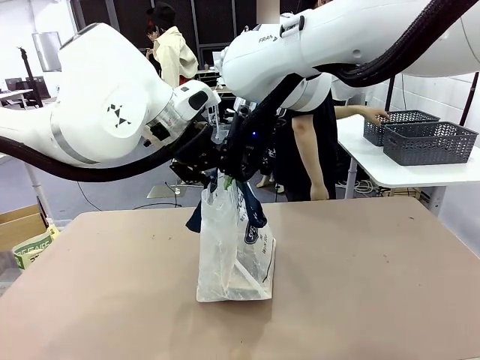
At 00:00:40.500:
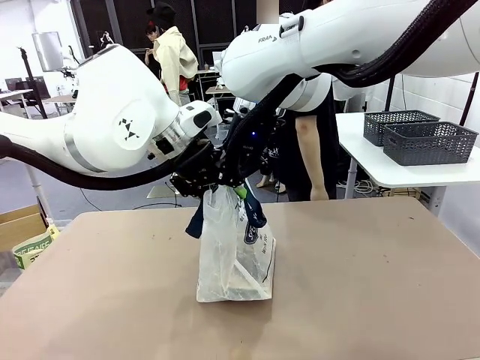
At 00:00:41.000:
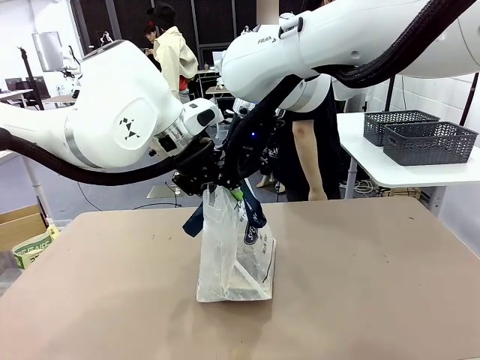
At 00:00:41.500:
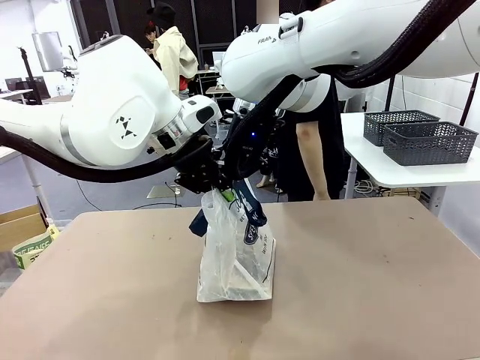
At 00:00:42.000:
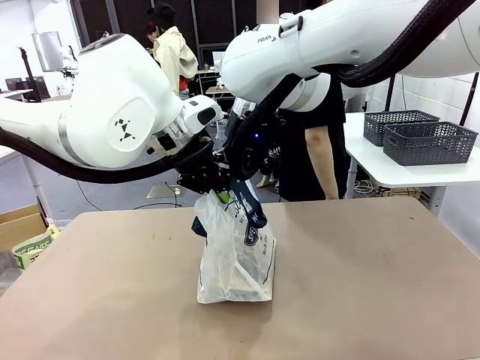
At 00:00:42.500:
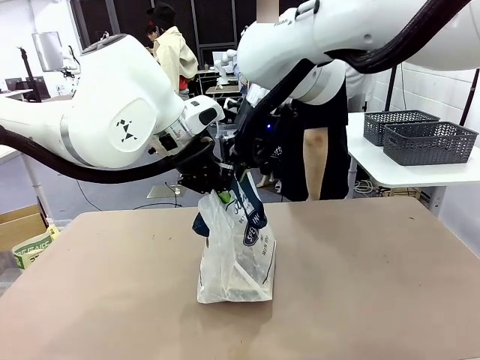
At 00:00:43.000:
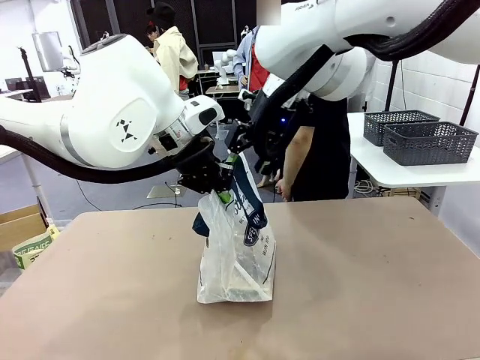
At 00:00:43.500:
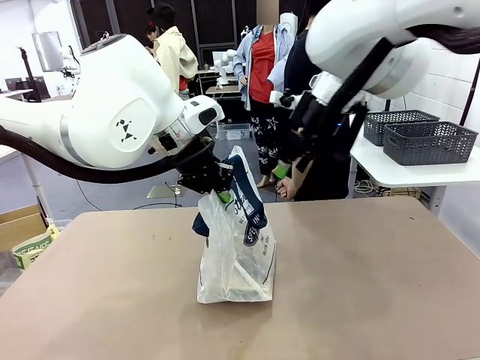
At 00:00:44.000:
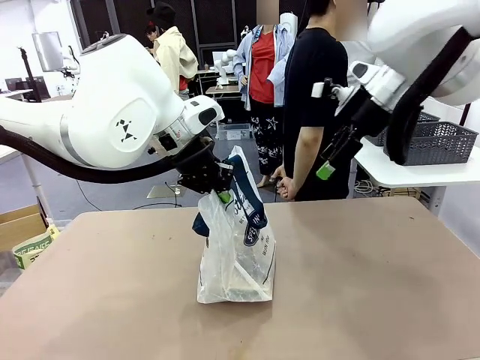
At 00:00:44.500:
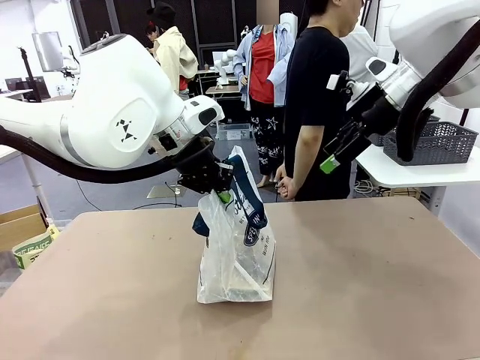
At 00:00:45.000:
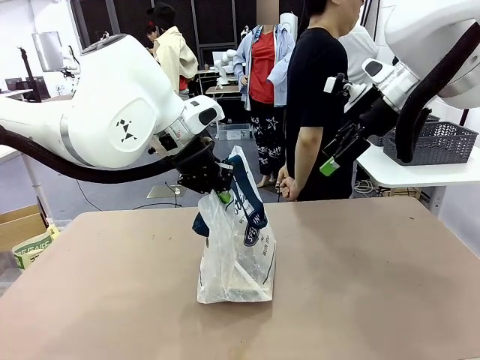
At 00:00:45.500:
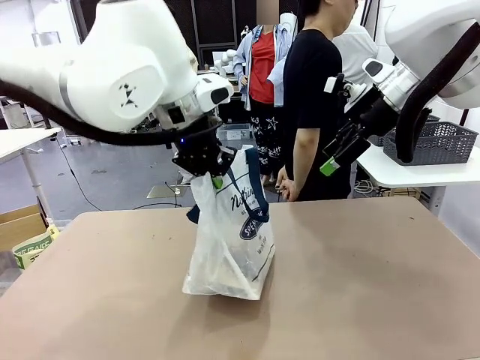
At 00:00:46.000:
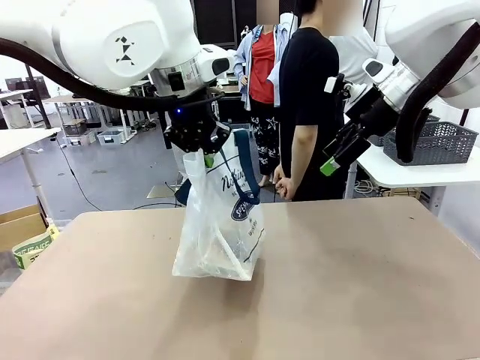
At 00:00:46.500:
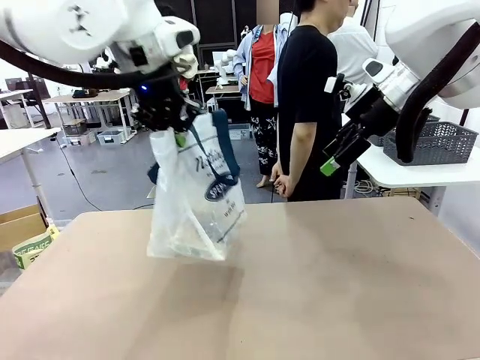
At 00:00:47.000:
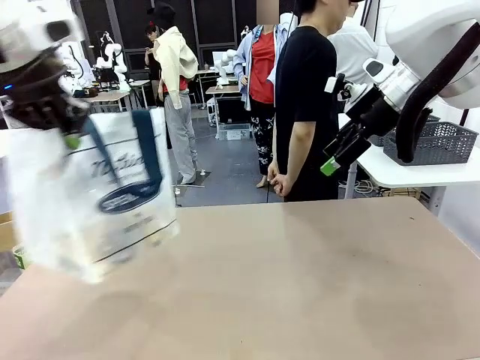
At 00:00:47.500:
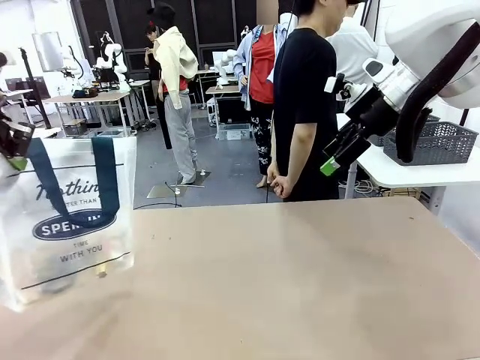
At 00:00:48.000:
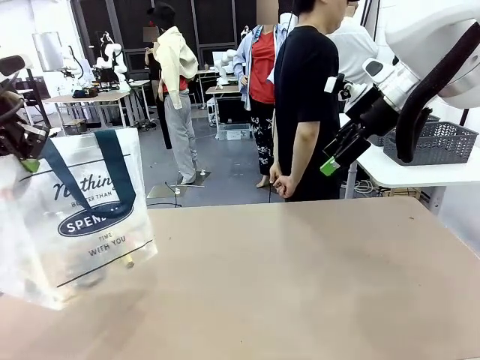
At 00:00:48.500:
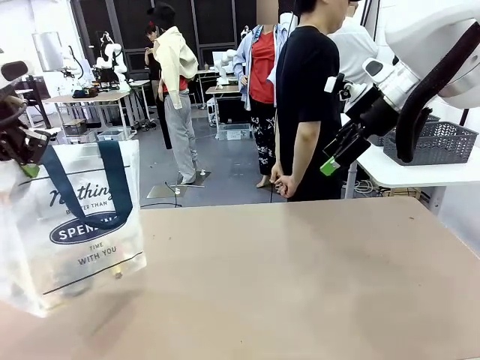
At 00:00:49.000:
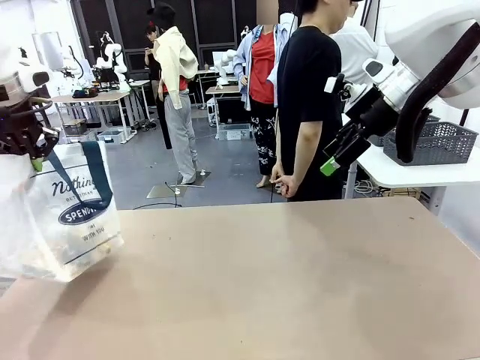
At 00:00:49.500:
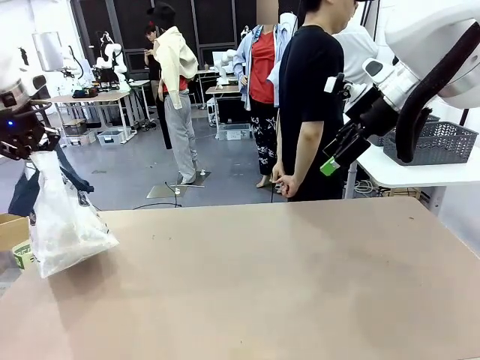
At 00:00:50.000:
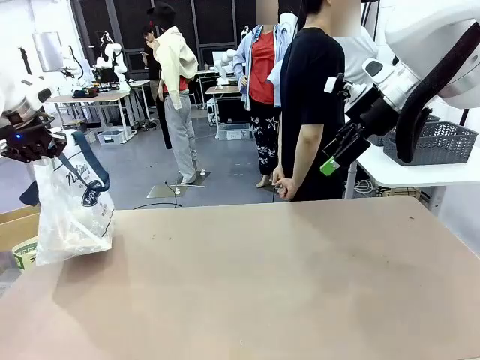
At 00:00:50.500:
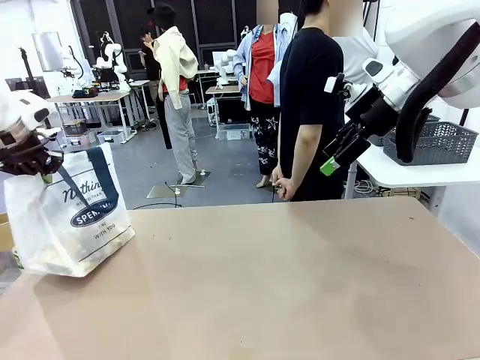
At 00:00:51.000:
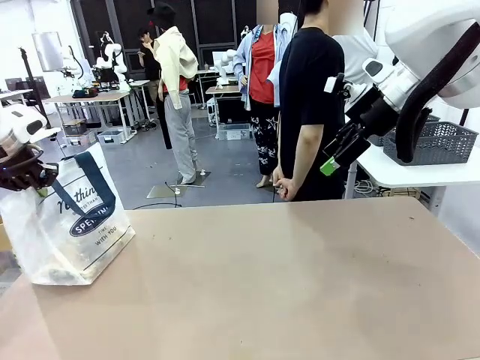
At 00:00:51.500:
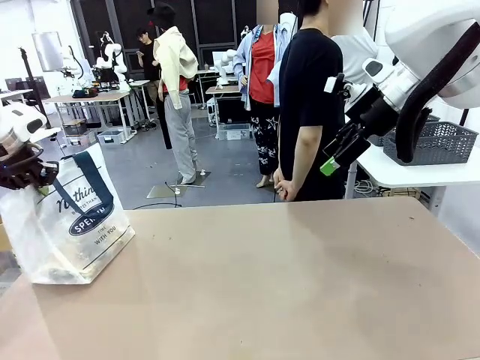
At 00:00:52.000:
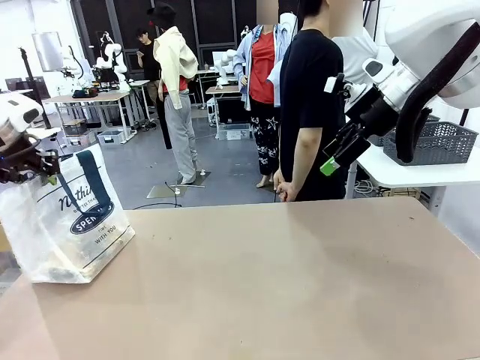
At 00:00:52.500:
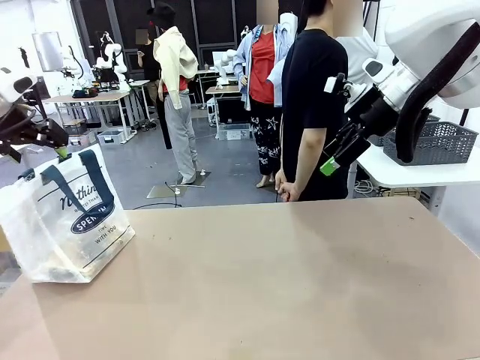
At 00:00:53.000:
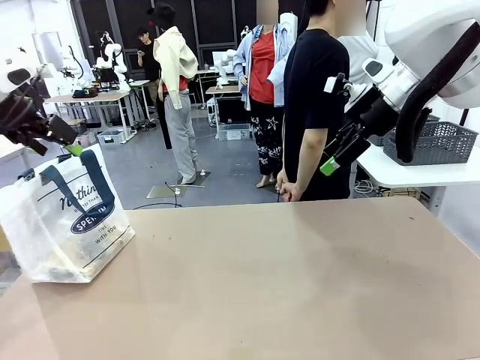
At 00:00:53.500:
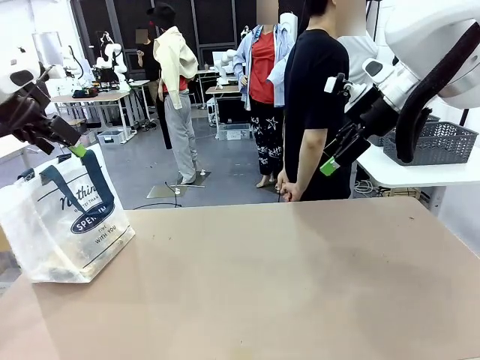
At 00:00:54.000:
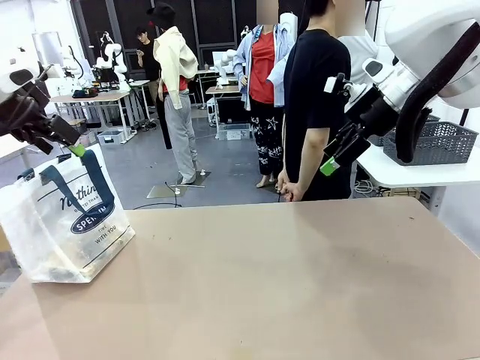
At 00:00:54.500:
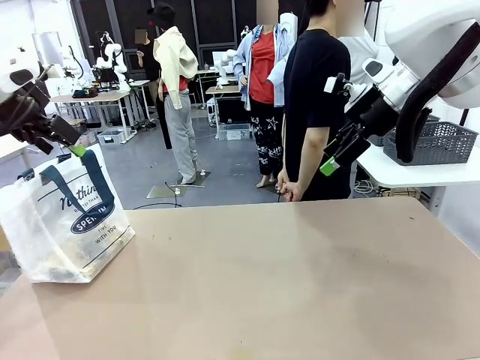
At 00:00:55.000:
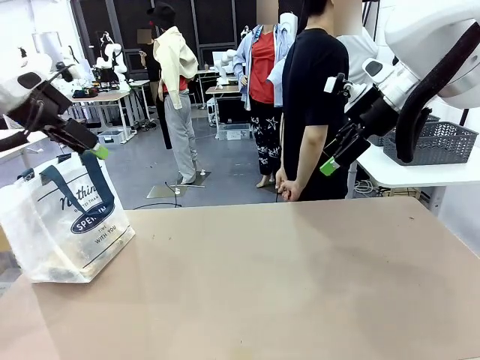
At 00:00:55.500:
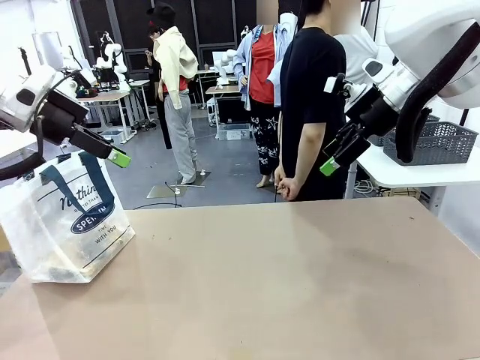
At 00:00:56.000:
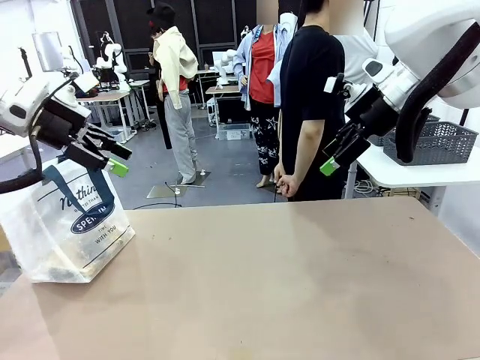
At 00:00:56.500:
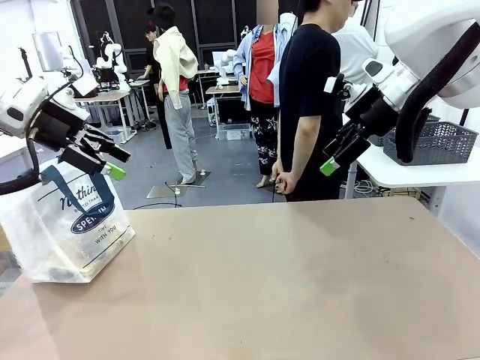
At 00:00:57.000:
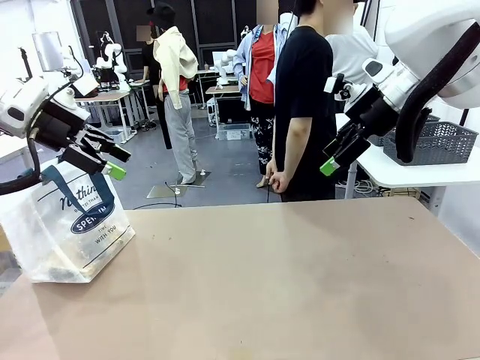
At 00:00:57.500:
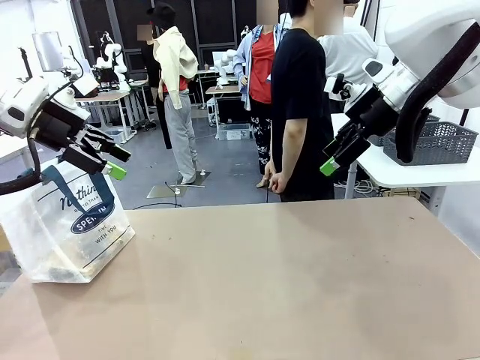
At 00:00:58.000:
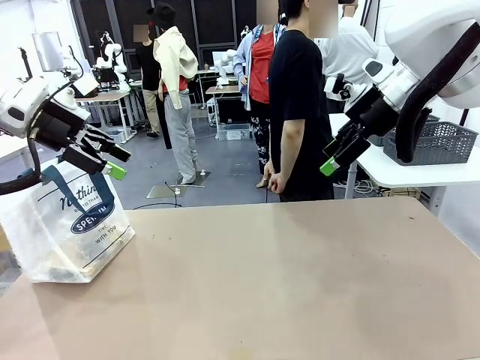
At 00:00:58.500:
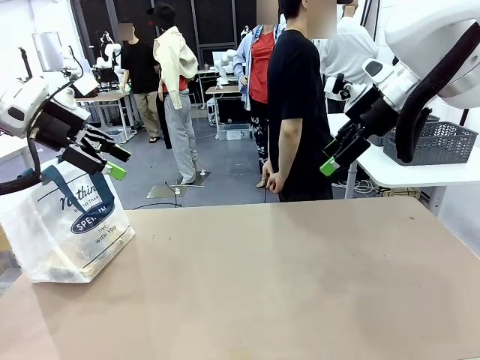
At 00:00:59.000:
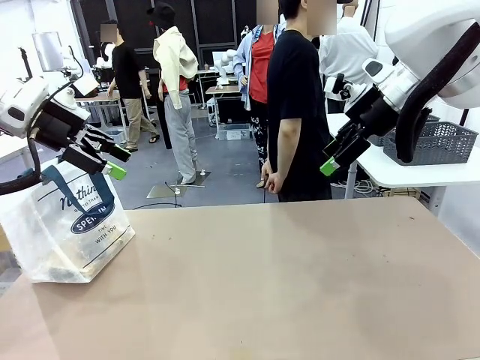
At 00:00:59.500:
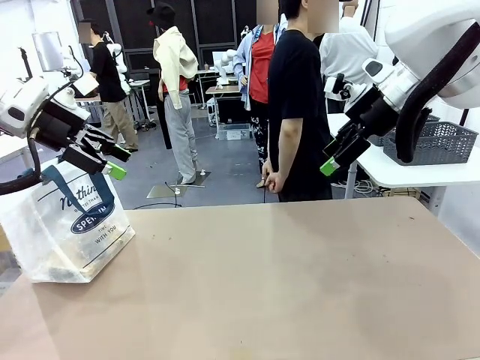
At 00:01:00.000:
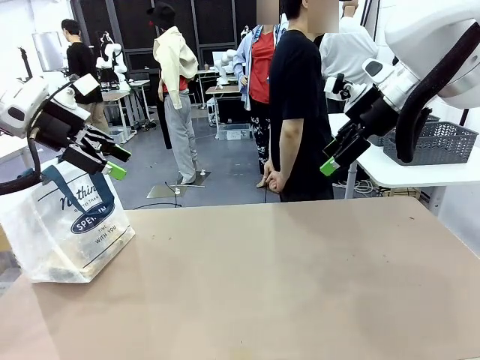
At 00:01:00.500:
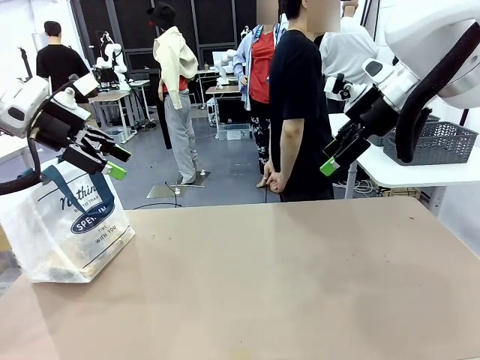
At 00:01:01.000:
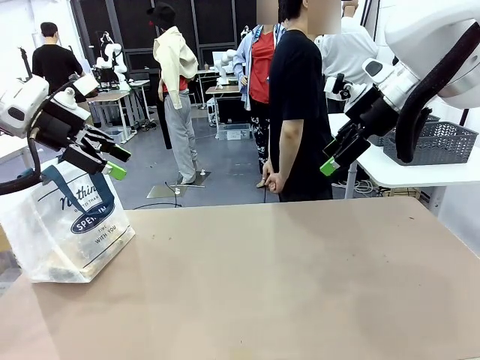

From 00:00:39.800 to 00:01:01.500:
Task: Transfer purchased items from the store into the shopping bag.
Robot: Move the Reusable shopping bag to the right side of the table.
Person: Move the basket on the left to the middle of the person's table.
